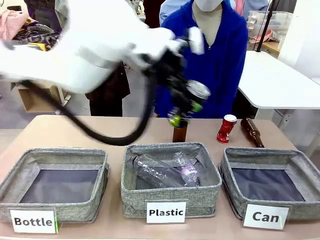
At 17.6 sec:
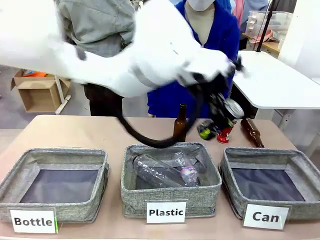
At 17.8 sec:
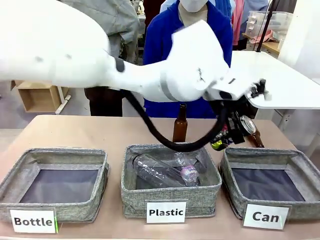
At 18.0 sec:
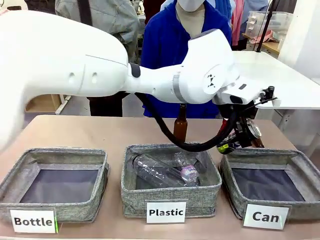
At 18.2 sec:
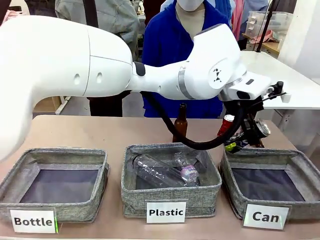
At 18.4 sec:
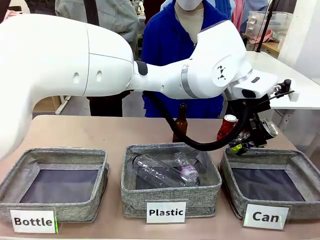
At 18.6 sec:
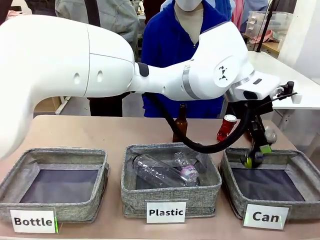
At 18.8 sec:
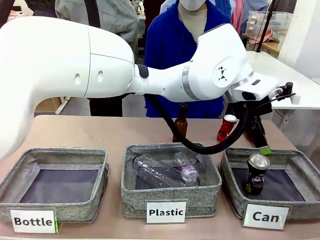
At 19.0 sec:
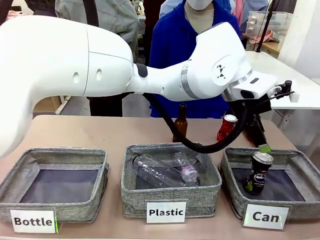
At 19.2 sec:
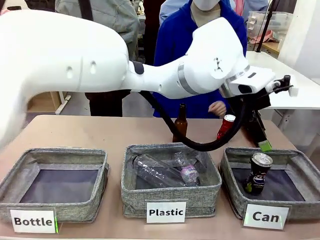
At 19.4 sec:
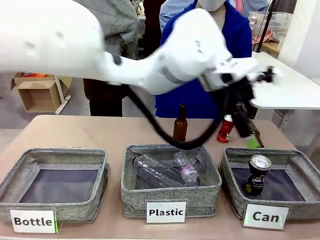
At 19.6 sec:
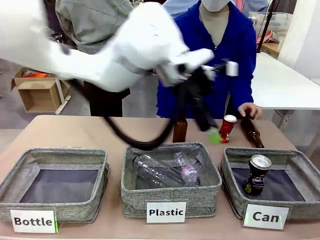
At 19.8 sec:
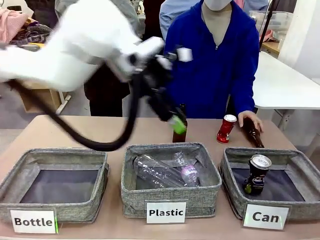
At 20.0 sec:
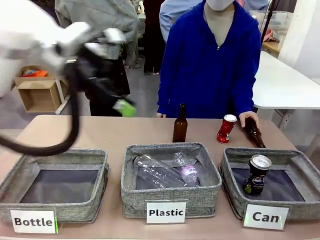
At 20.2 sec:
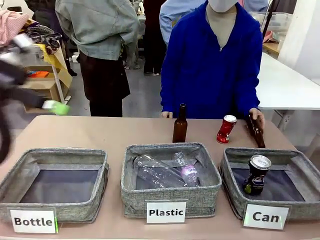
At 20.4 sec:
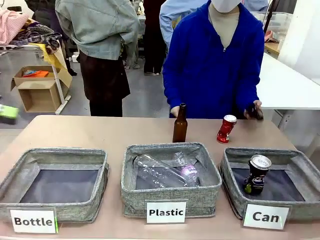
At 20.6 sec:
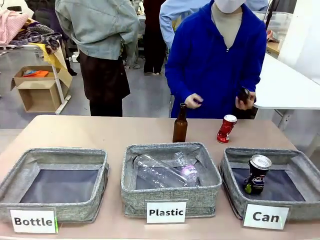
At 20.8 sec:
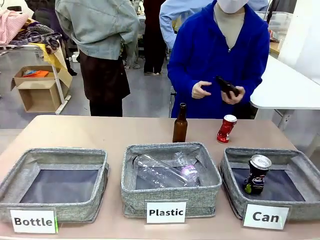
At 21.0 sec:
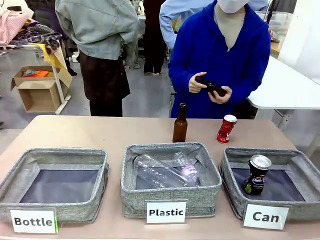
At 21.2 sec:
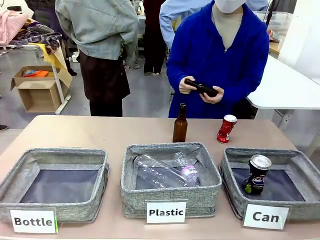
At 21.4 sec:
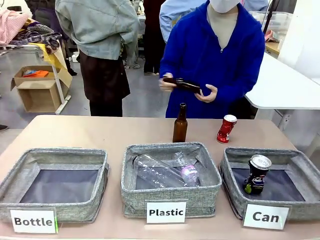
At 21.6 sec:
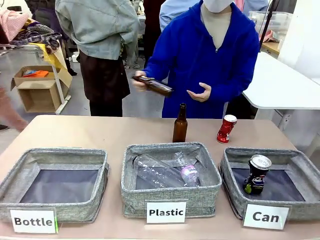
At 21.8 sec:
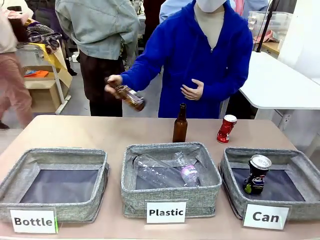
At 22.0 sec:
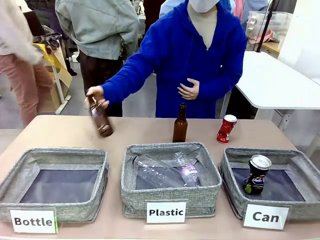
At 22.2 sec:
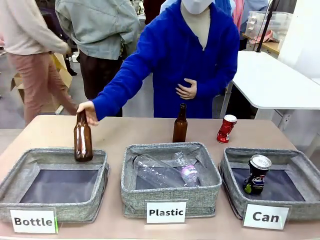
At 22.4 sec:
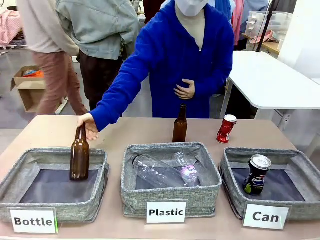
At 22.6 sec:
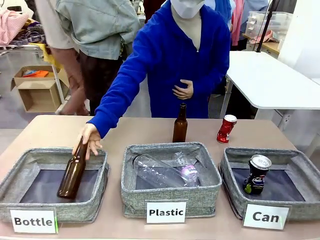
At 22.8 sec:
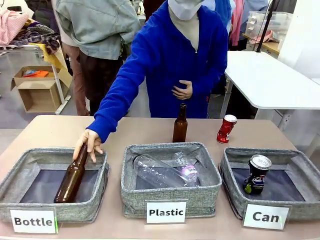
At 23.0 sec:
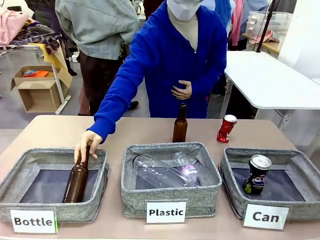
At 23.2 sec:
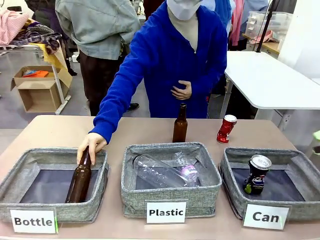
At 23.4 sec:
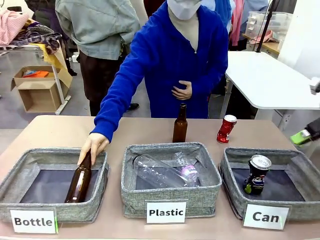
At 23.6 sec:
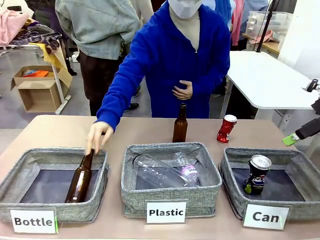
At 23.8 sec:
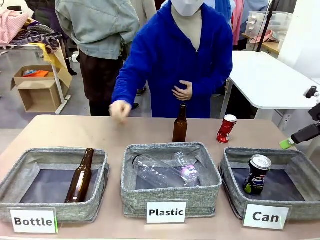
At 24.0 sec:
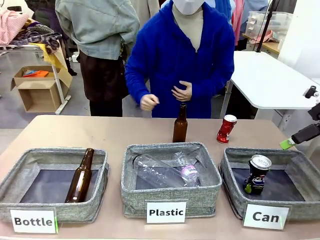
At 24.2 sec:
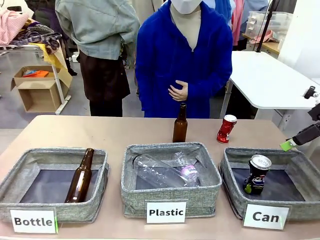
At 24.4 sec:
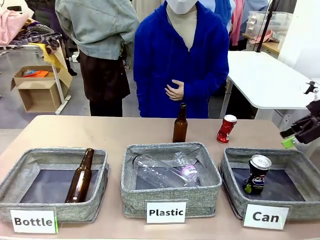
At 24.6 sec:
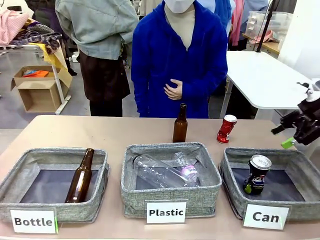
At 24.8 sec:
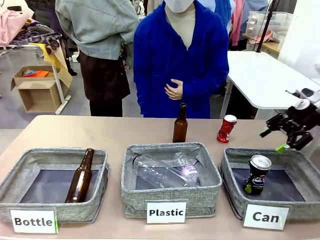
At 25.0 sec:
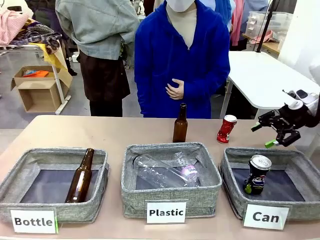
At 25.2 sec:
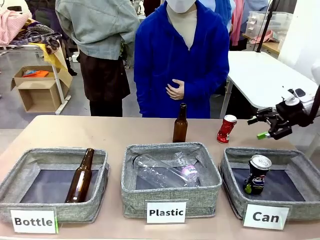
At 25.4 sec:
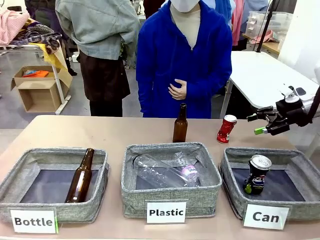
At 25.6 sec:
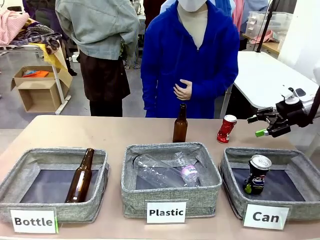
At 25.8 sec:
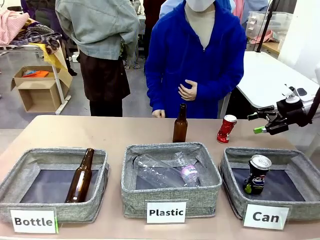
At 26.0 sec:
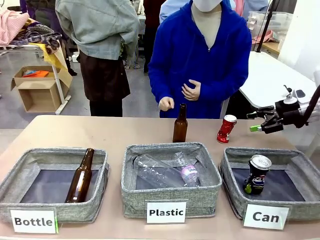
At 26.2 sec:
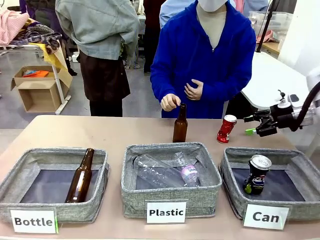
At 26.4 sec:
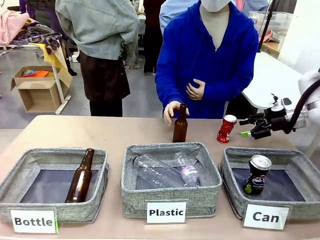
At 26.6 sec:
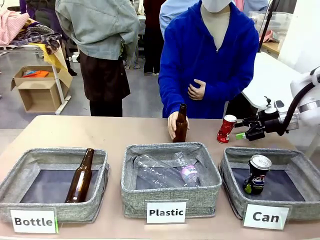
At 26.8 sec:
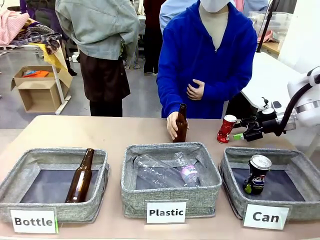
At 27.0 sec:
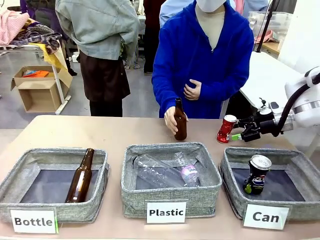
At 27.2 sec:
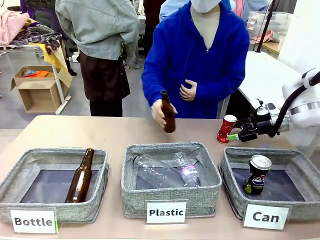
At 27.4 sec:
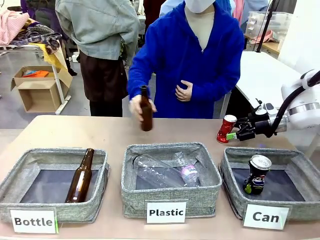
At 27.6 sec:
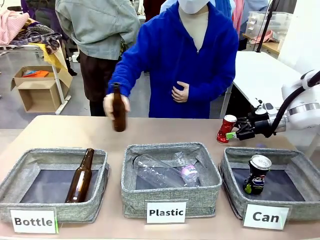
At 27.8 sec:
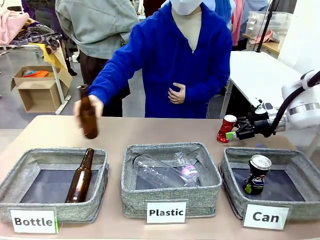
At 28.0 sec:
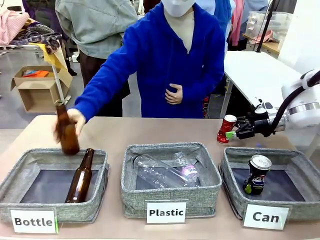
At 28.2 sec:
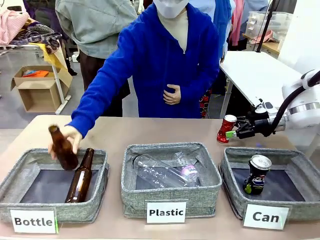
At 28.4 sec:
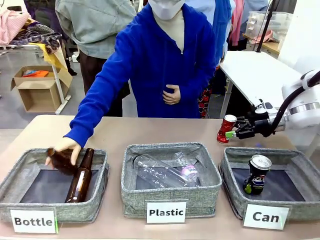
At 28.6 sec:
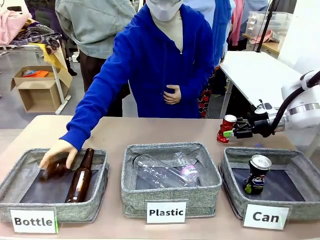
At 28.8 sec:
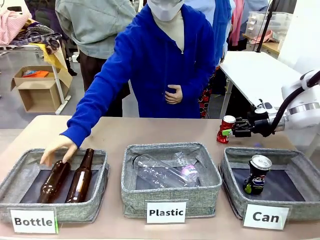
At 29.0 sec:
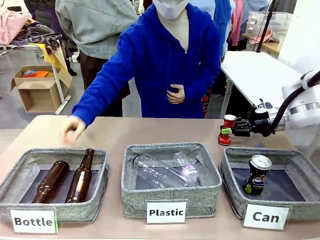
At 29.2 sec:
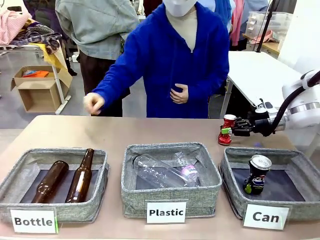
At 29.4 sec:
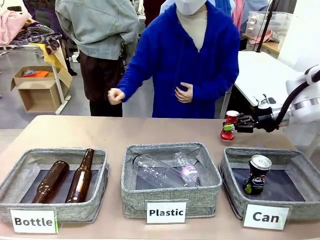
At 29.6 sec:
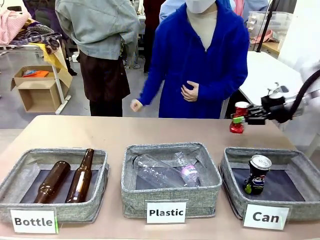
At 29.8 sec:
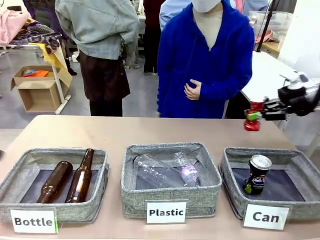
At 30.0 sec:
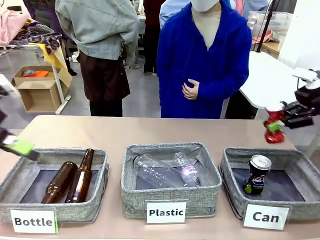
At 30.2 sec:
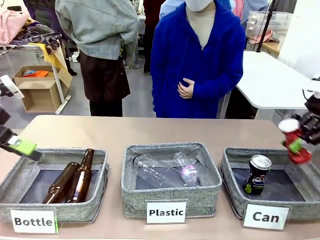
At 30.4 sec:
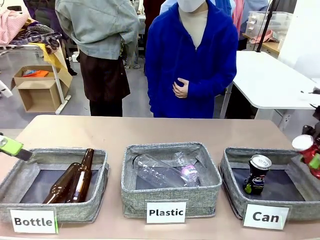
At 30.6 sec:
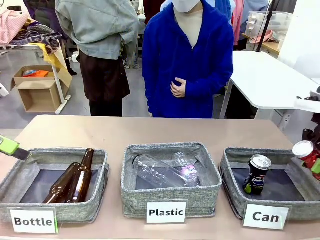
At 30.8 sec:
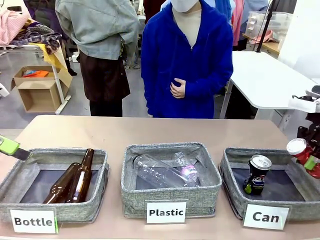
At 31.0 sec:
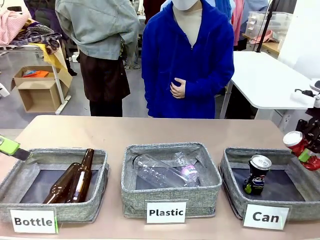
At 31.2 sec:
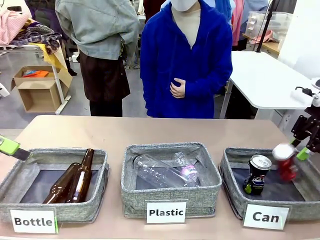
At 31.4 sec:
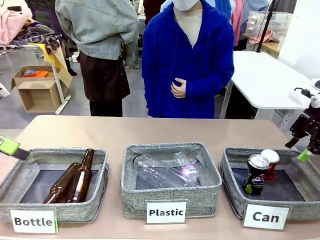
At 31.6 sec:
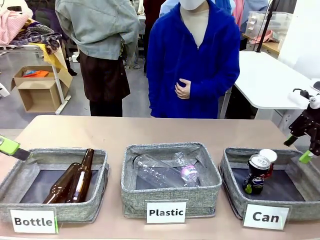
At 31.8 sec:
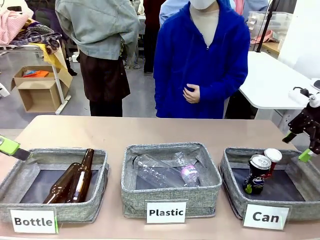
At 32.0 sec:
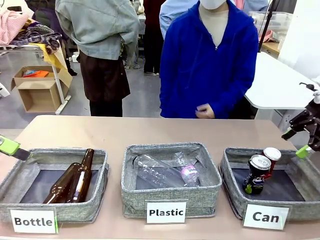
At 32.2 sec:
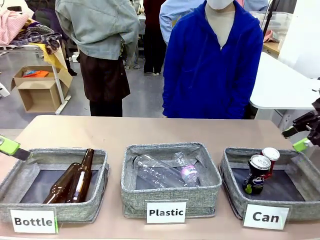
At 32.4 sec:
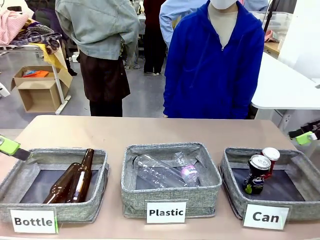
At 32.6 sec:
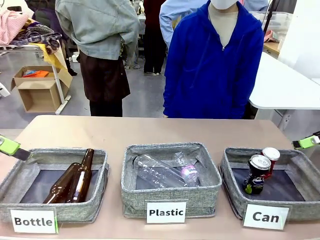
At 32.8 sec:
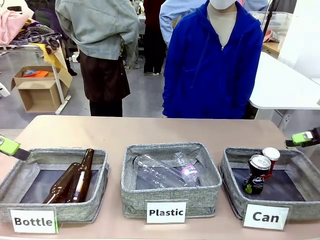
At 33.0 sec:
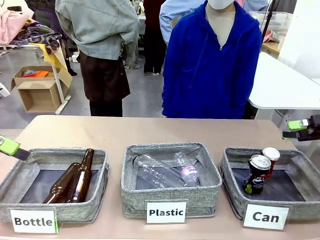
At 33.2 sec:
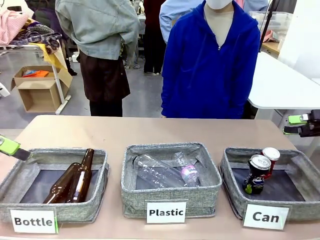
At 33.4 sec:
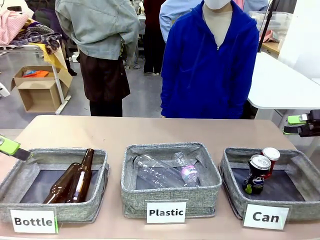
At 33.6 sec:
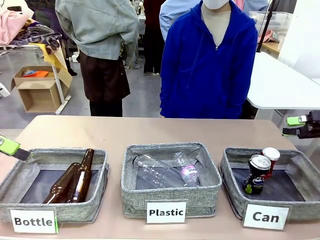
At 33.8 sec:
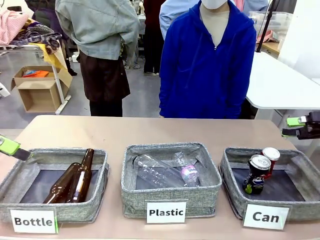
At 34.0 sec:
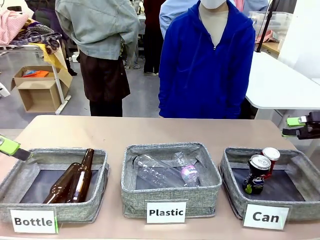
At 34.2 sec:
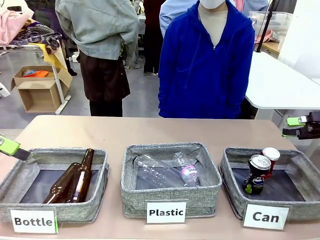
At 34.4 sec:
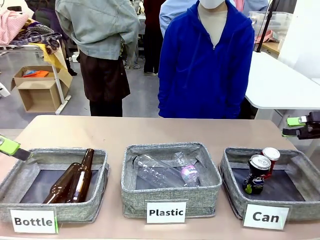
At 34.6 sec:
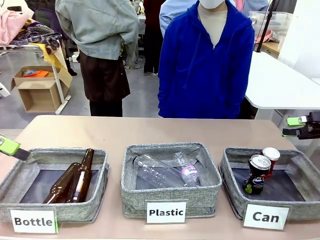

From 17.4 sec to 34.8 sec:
Task: Sort the can waste into the basket.
Robot: Pick up the can waste from the table and place it in the right Fabric basket.
